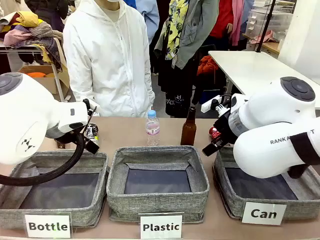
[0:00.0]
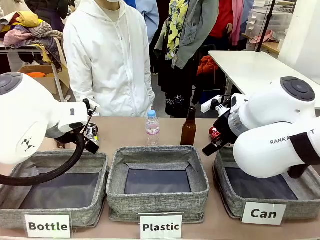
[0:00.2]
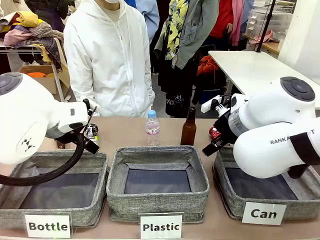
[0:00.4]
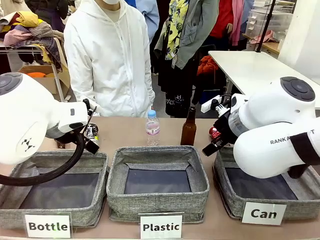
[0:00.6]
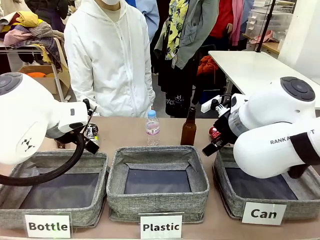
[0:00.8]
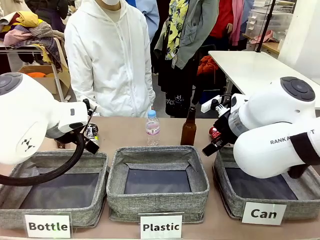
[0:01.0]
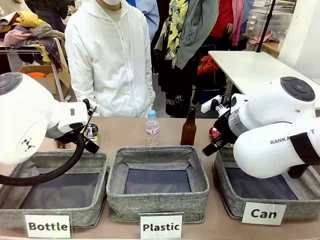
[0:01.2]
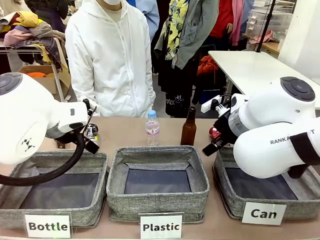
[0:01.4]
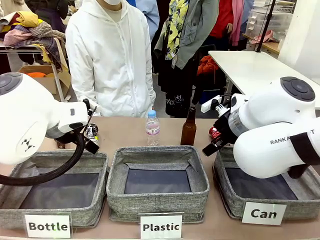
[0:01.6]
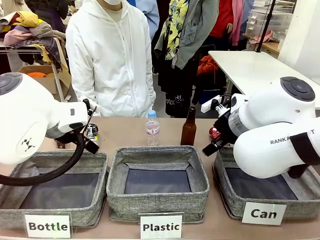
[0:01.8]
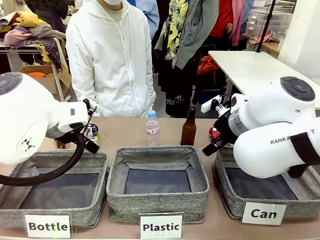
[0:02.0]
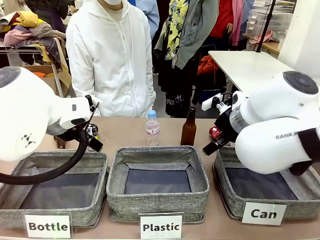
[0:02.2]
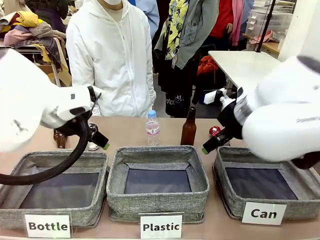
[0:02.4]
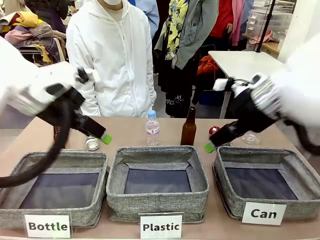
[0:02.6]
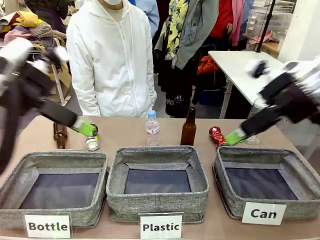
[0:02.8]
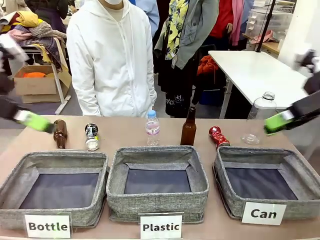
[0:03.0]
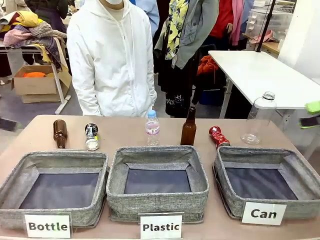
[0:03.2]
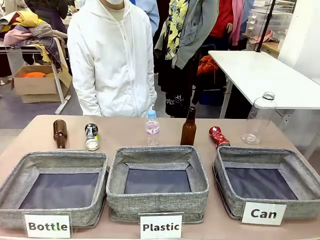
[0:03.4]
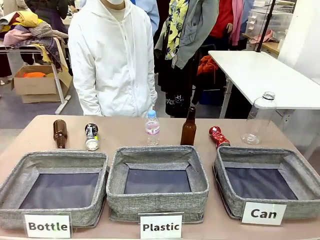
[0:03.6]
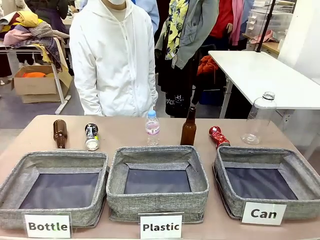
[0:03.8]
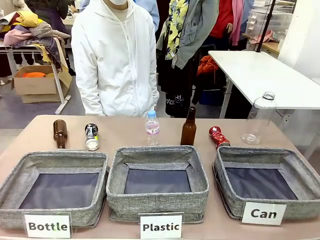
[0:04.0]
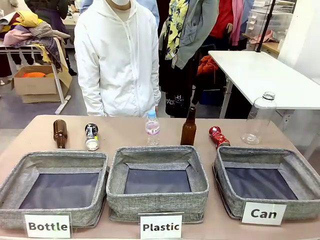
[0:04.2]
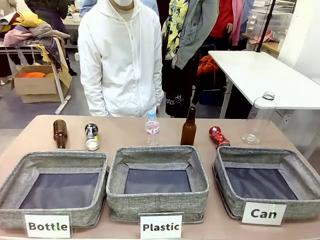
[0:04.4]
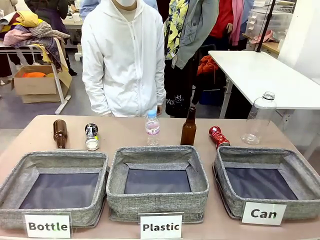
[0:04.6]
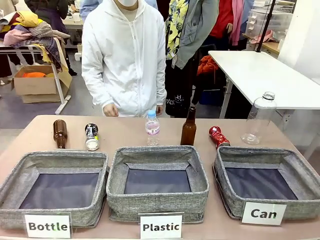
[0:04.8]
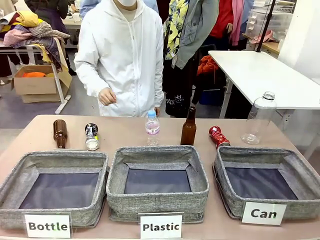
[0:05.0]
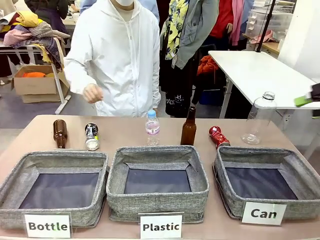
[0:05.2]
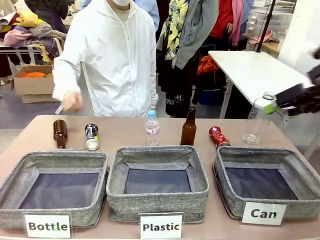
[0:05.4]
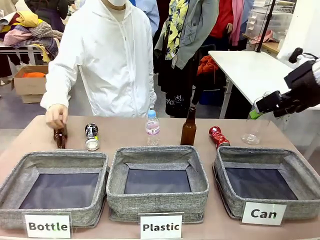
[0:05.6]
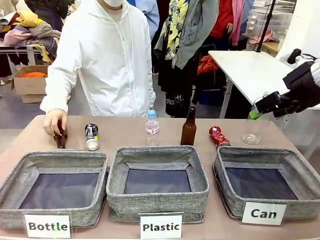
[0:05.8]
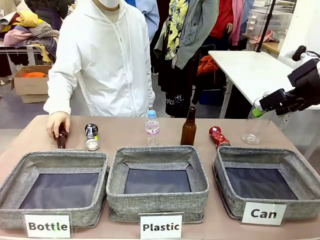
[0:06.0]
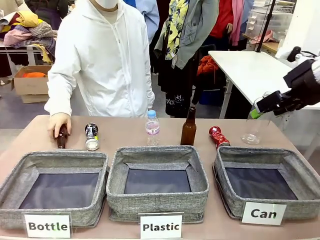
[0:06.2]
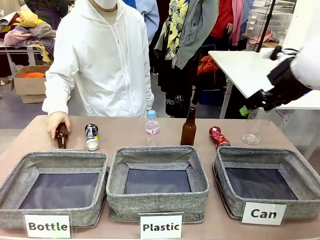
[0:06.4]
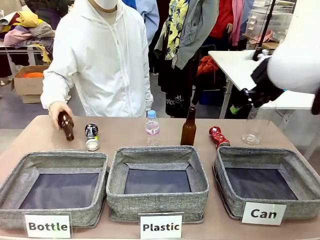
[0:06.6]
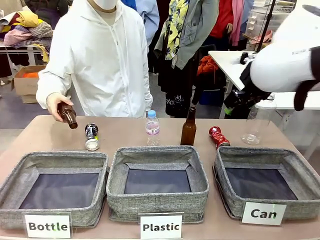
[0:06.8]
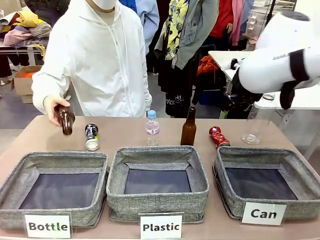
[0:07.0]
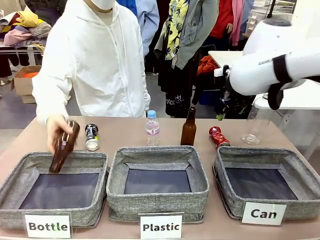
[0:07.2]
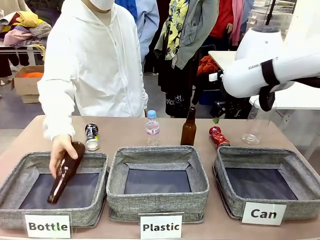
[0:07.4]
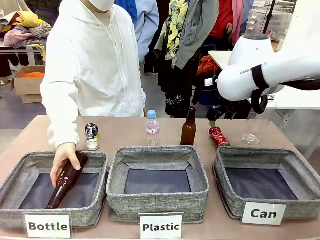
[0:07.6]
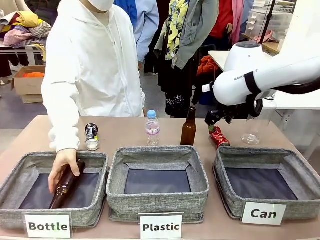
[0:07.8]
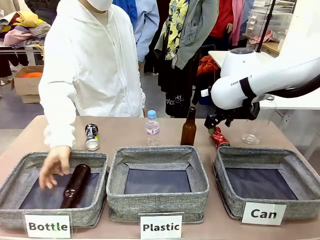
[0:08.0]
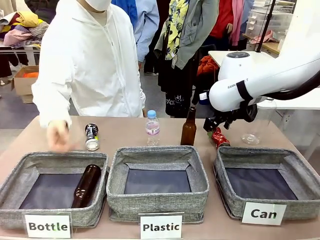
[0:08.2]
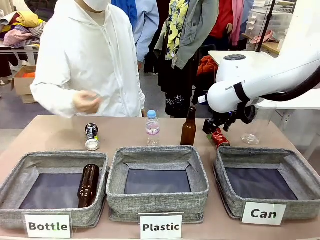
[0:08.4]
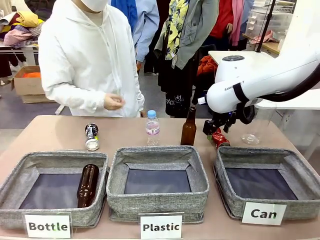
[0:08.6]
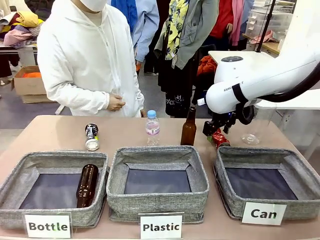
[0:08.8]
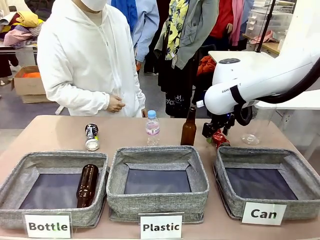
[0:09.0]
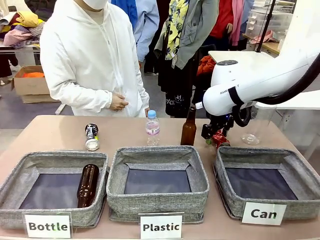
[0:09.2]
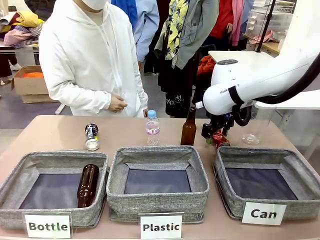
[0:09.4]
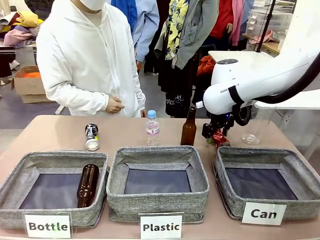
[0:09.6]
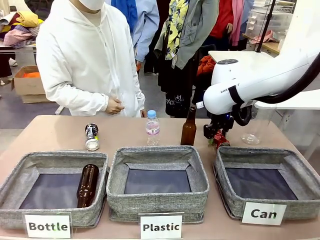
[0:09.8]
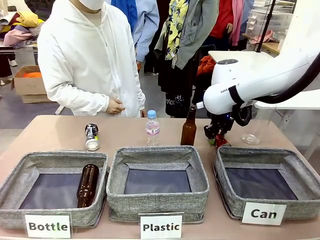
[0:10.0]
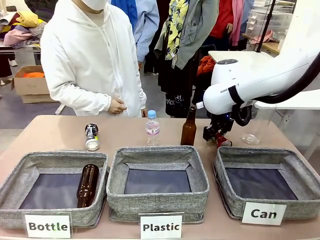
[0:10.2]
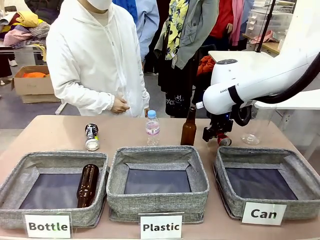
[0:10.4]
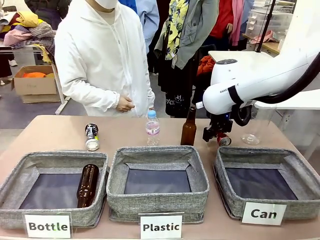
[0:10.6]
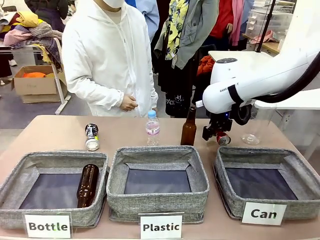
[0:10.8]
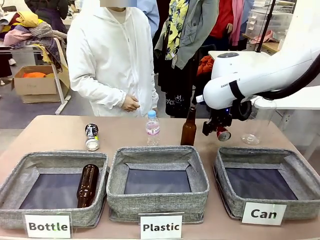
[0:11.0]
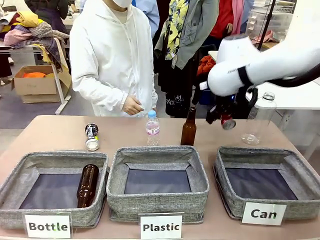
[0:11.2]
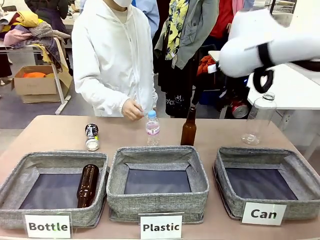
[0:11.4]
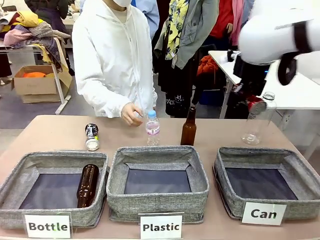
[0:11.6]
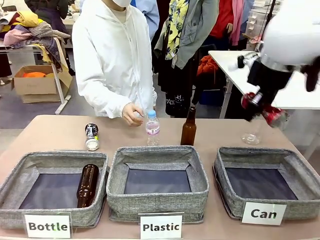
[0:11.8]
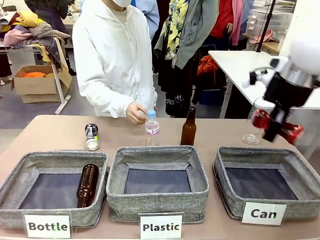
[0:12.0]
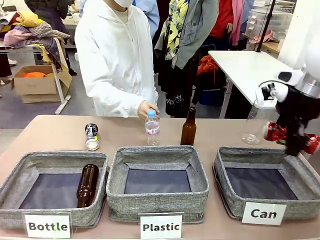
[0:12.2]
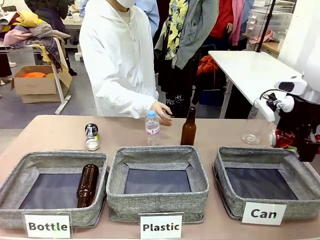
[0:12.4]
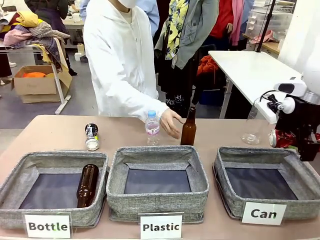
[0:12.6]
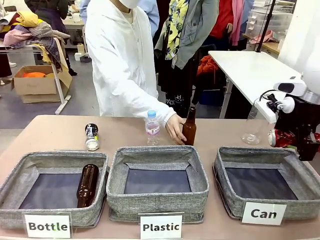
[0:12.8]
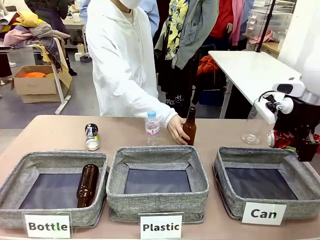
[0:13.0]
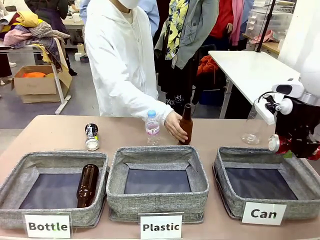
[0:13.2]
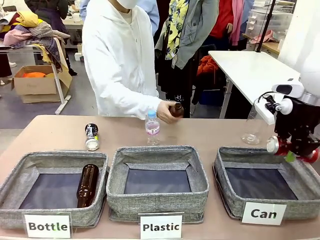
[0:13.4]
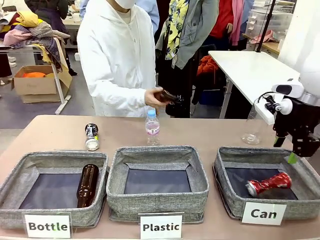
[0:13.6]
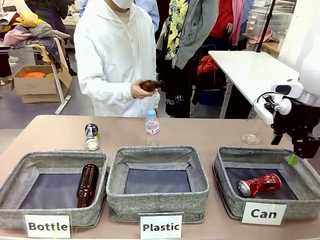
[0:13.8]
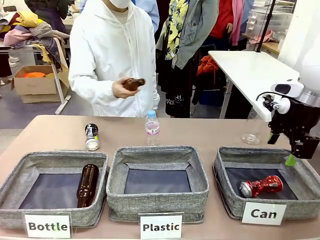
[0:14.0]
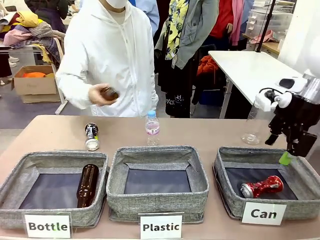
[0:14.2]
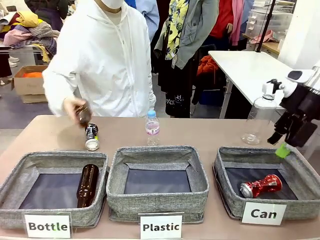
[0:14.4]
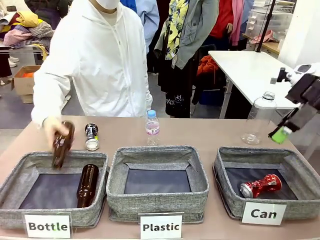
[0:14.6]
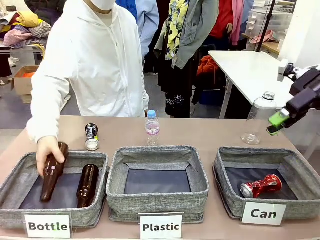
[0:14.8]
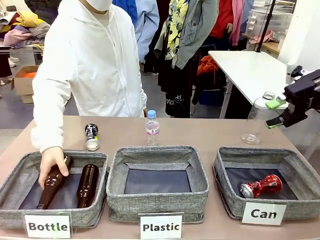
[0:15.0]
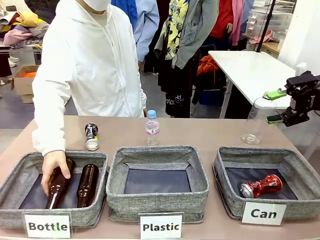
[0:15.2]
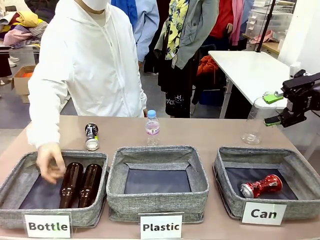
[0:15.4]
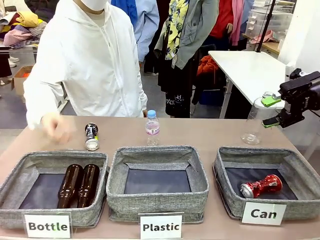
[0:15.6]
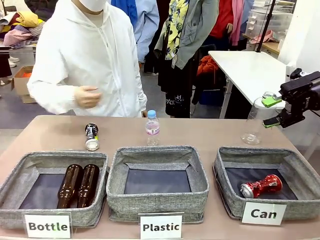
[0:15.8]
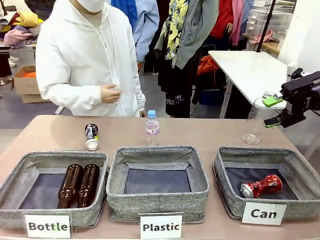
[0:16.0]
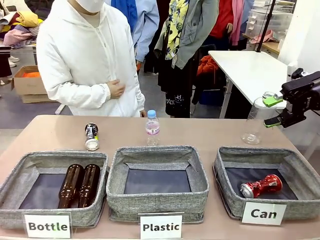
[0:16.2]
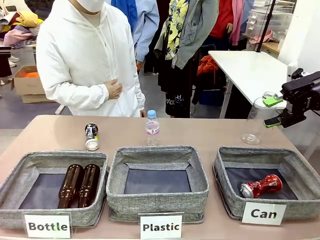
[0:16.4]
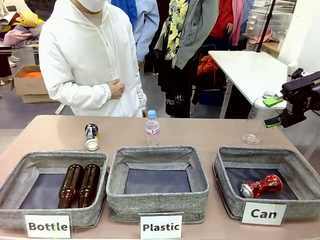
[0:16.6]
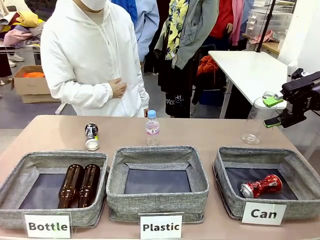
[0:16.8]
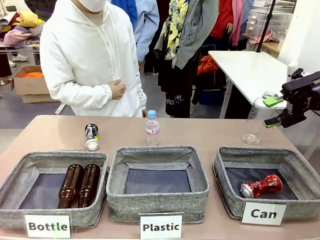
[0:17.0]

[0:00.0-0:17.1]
Task: Sort the can waste into the basket.
Robot: Pick up the can waste from the table and place it in the right Fabric basket.
